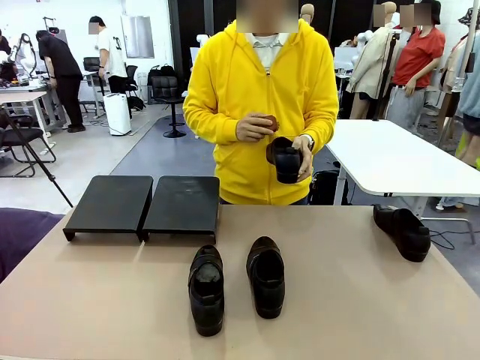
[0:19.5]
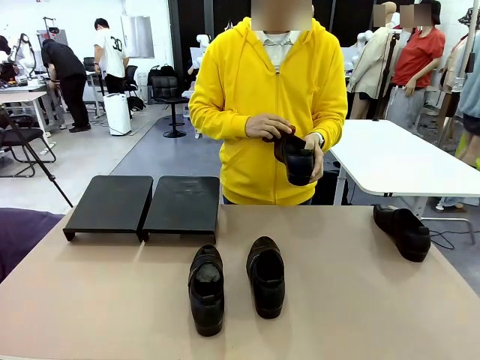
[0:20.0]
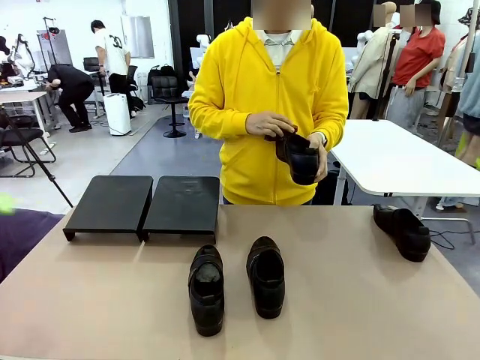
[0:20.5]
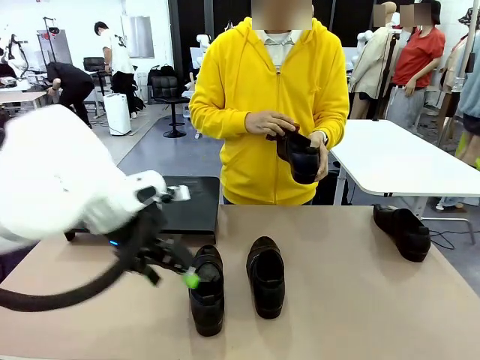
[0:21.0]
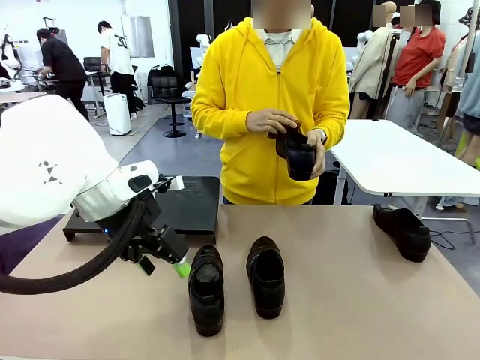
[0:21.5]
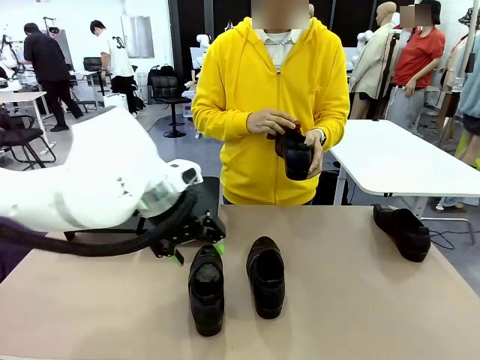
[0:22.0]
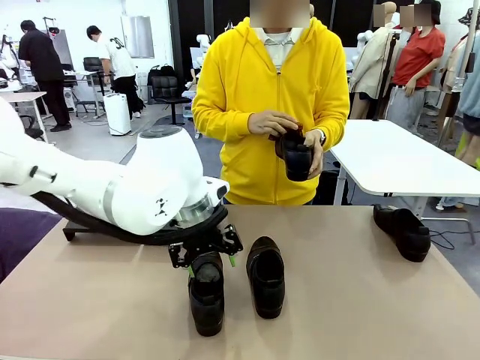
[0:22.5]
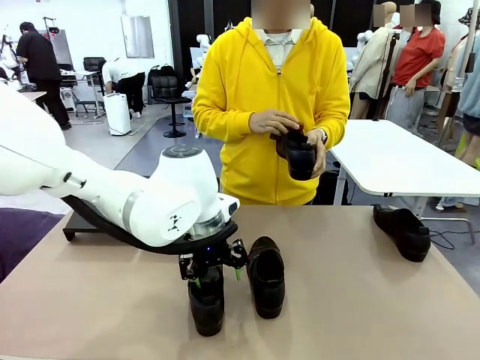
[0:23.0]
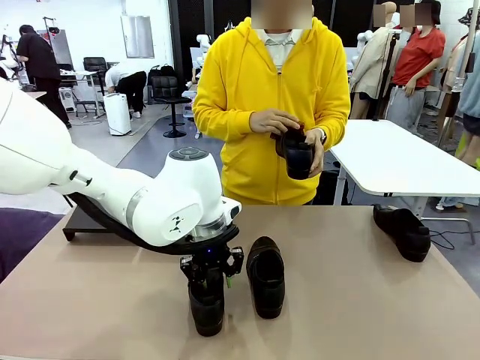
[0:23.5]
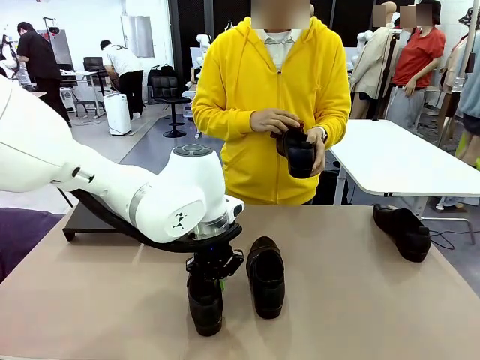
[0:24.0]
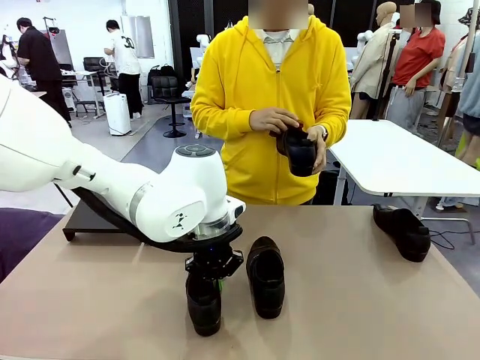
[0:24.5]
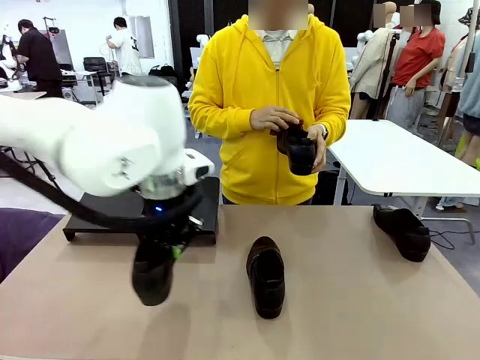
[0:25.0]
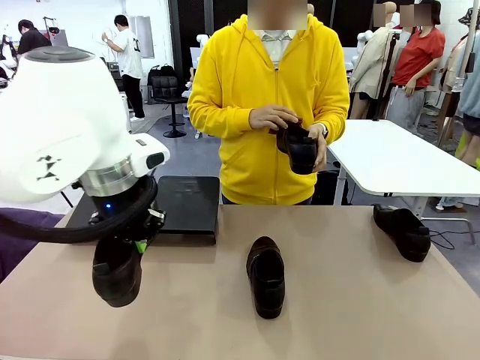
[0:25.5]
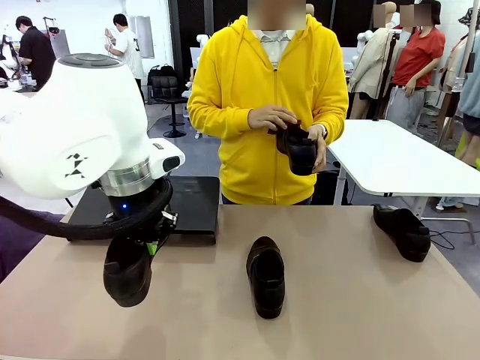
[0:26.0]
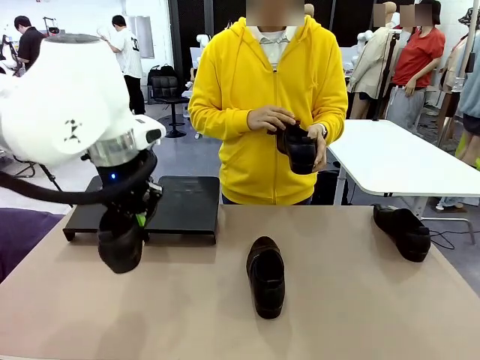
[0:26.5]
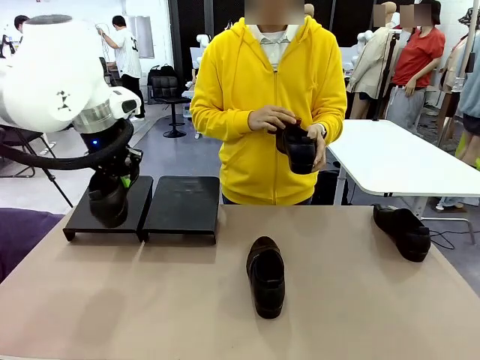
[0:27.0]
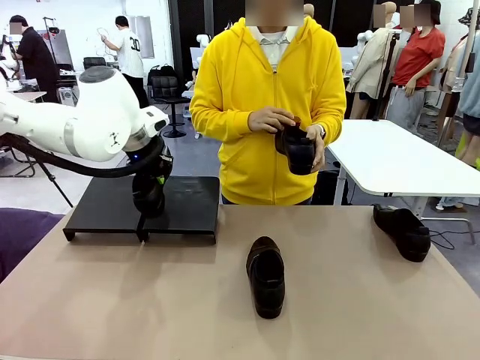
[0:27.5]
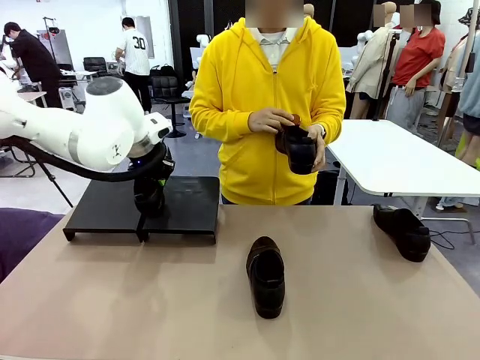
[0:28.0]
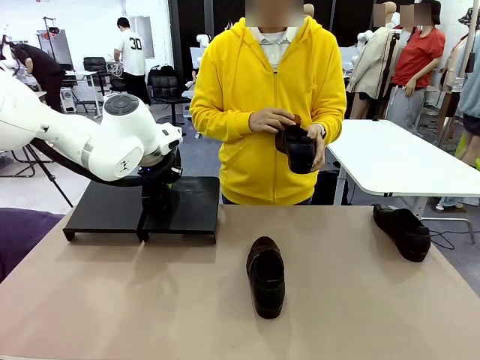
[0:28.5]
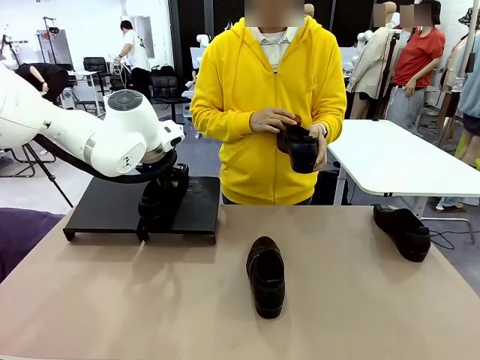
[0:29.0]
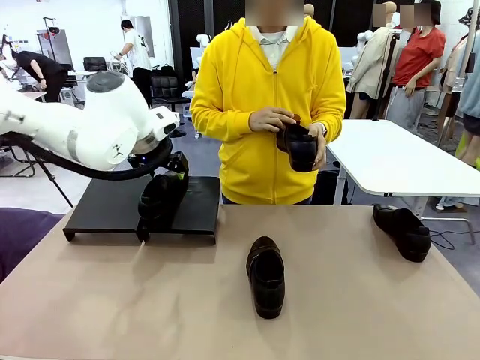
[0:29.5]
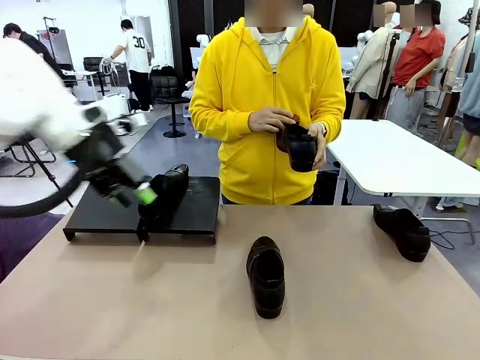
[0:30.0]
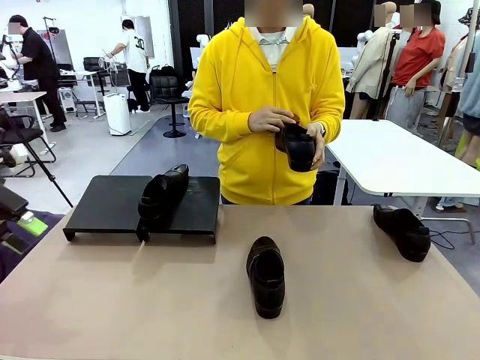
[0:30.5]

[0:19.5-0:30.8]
Task: Organize the shoes by placing them on the stand.
Robot: Place the Shoe from the middle of the table onto the Shoes Stand.
Person: Clean the Shoe with the Shoe Brush.

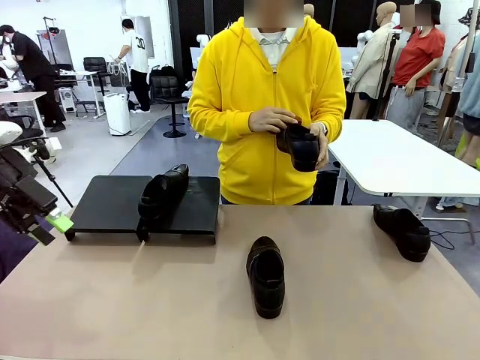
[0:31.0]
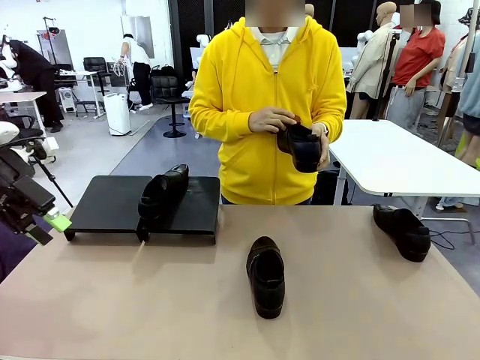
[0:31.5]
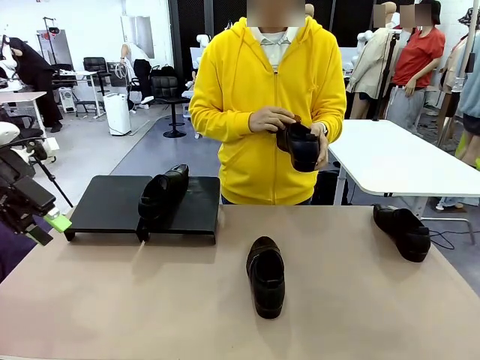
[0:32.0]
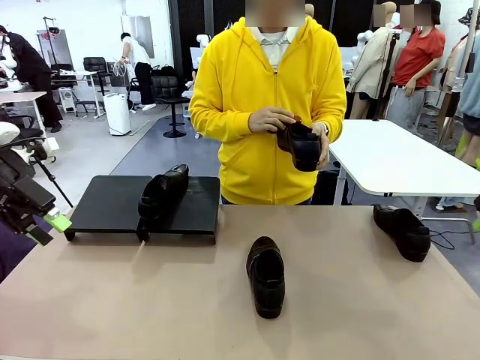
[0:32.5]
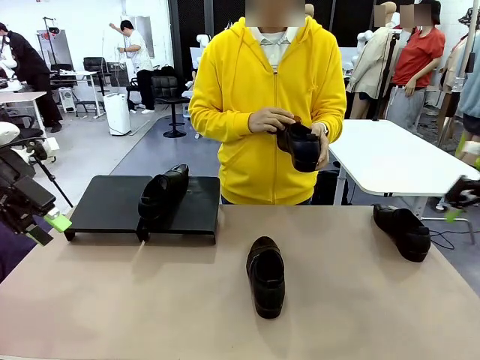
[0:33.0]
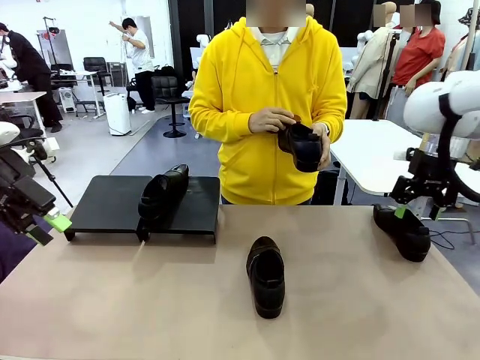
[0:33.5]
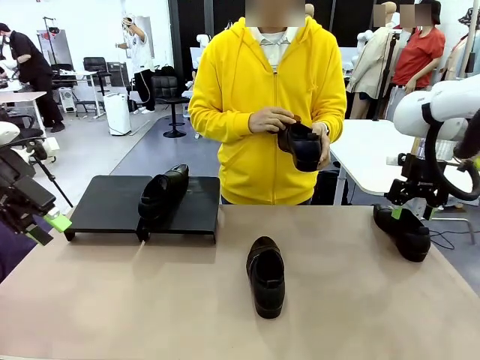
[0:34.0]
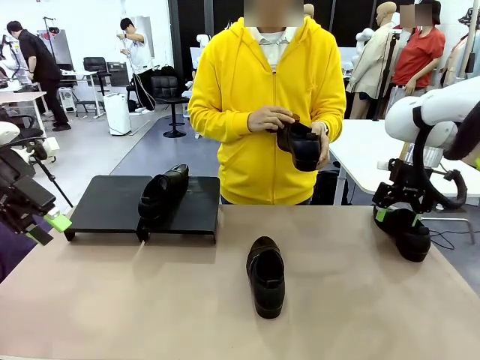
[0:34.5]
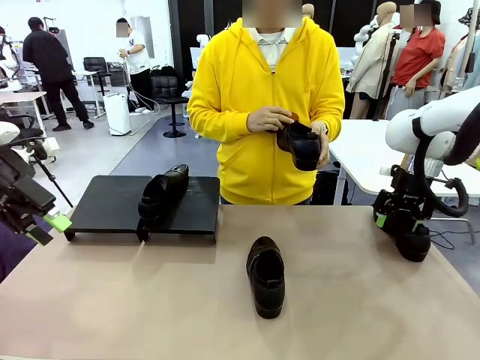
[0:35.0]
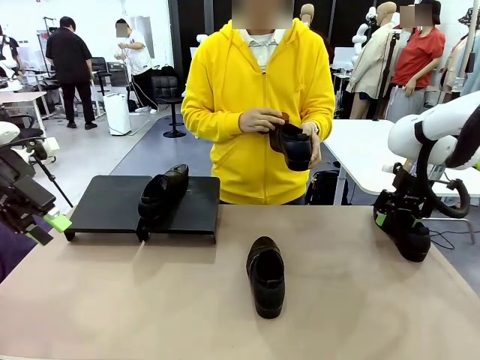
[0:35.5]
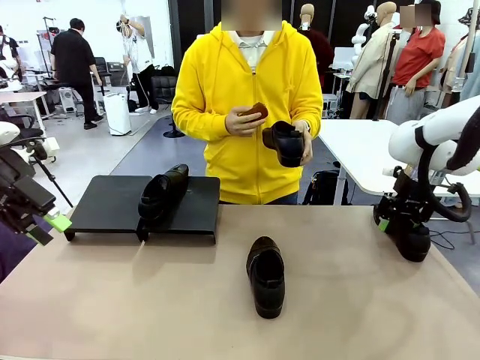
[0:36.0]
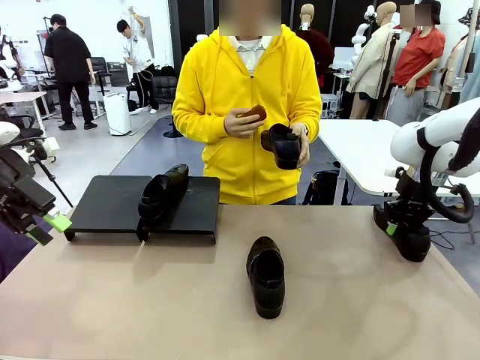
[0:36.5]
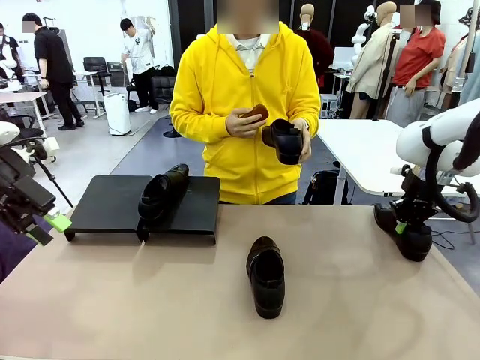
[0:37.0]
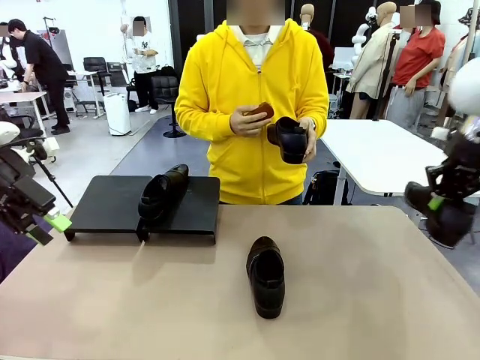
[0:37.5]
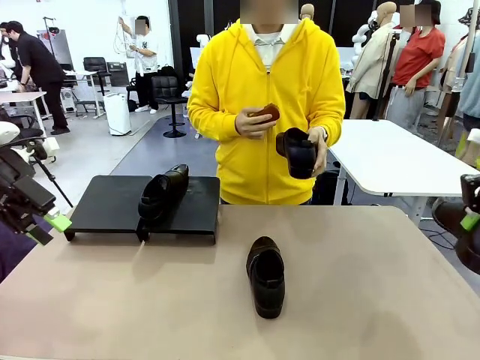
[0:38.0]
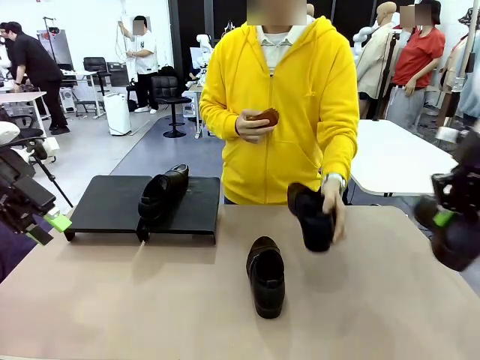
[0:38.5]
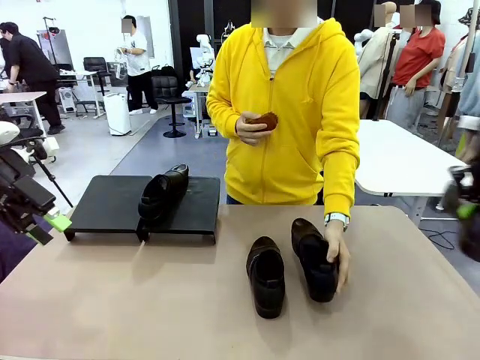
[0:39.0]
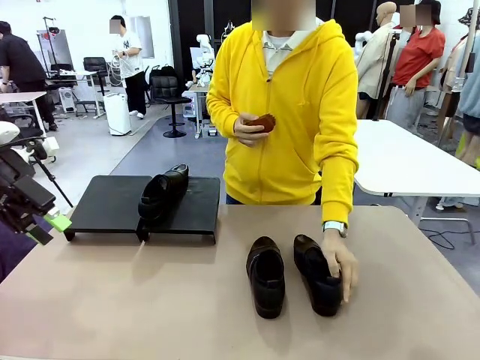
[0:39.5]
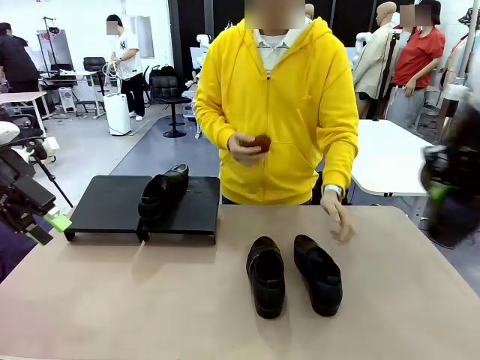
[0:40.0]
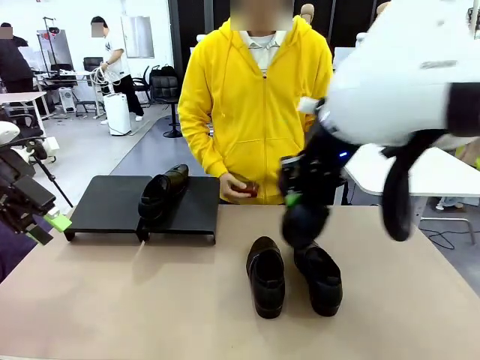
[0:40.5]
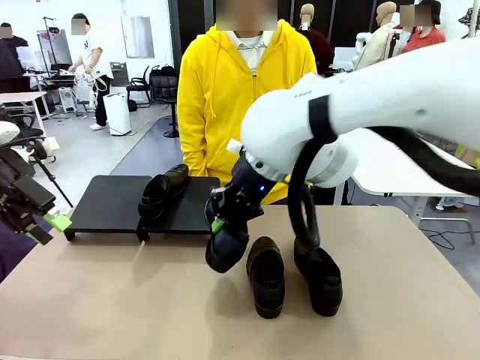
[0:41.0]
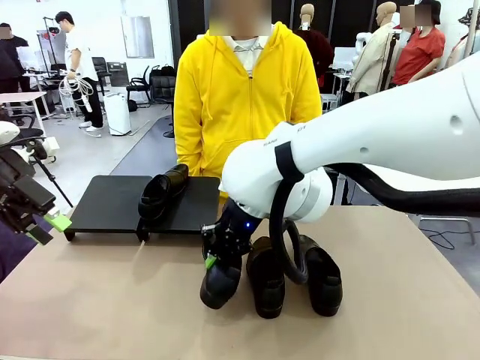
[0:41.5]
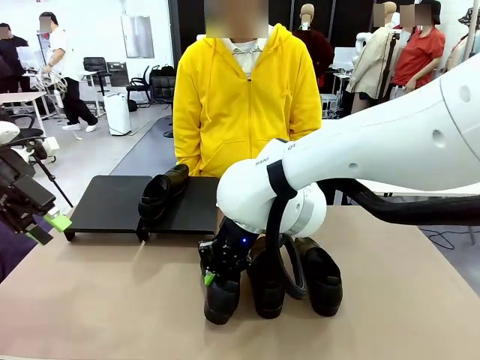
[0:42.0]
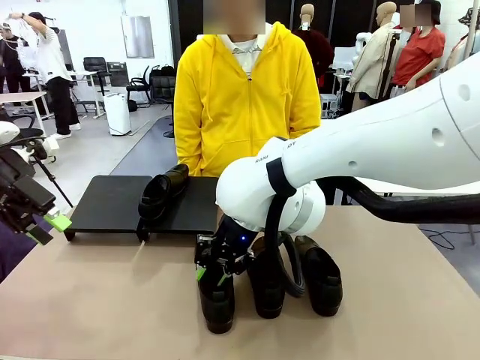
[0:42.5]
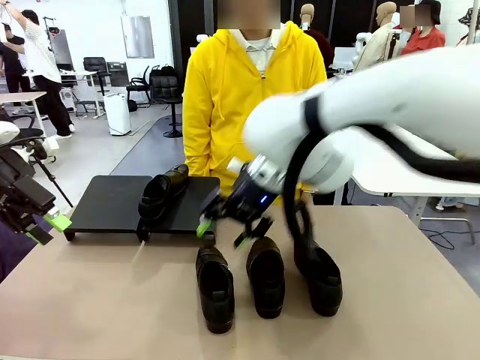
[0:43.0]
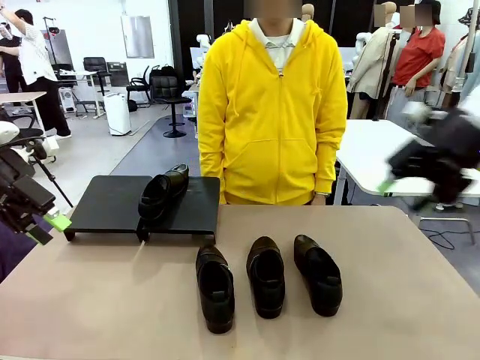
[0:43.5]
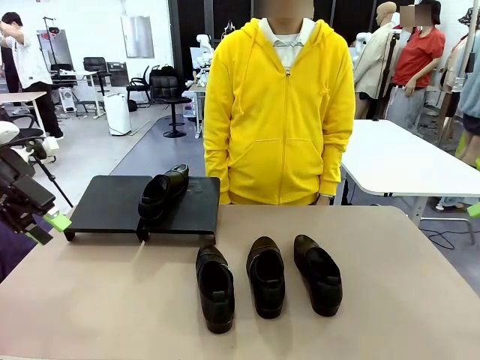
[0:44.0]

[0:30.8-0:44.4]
Robot: Pick up one Shoe and place it in the middle of the table.
